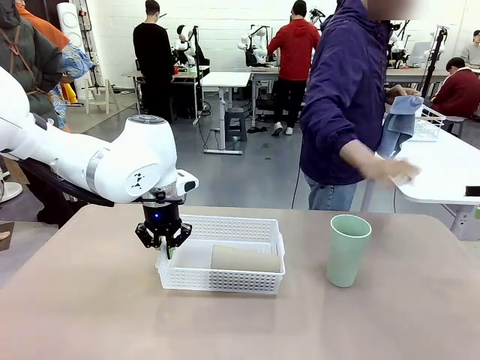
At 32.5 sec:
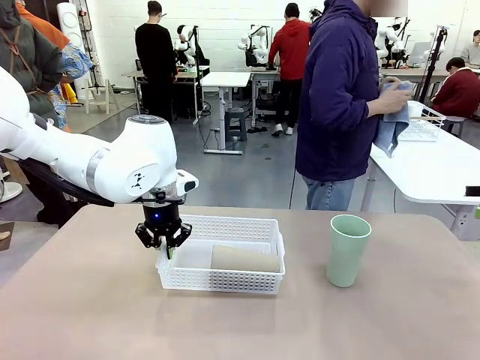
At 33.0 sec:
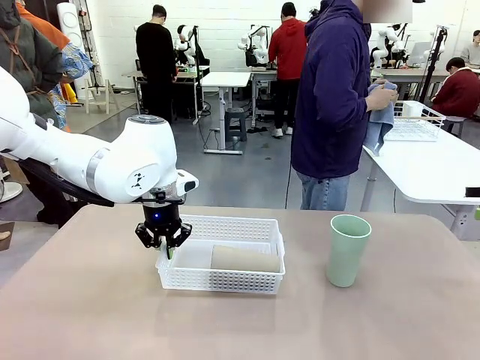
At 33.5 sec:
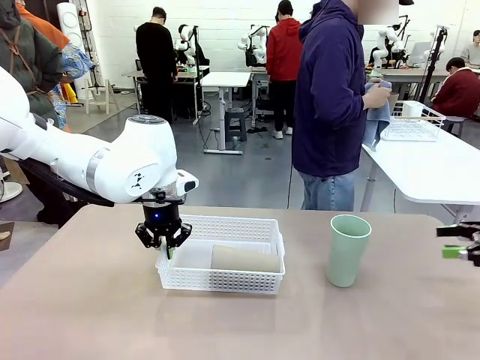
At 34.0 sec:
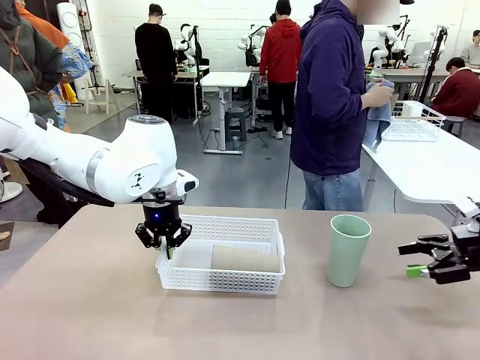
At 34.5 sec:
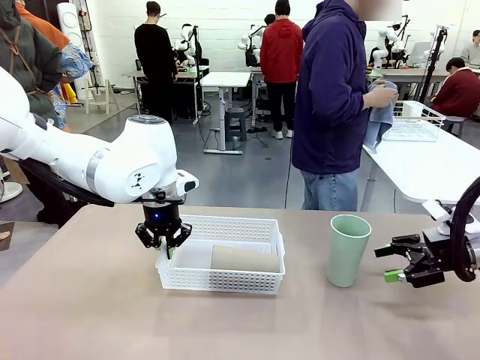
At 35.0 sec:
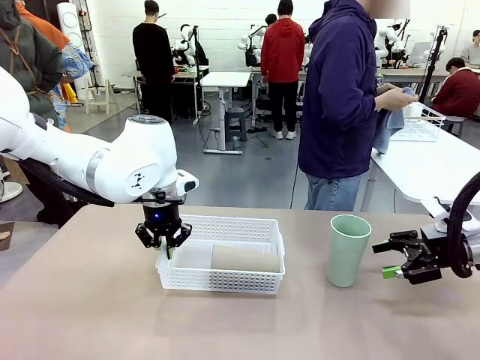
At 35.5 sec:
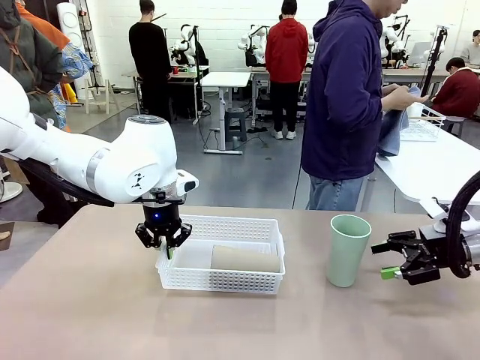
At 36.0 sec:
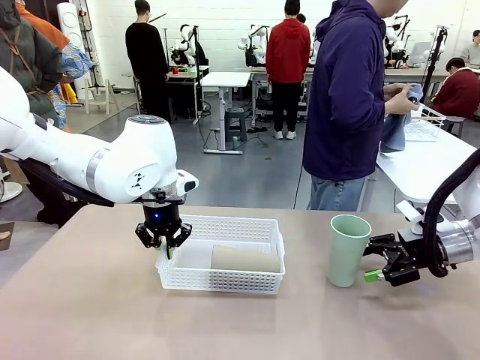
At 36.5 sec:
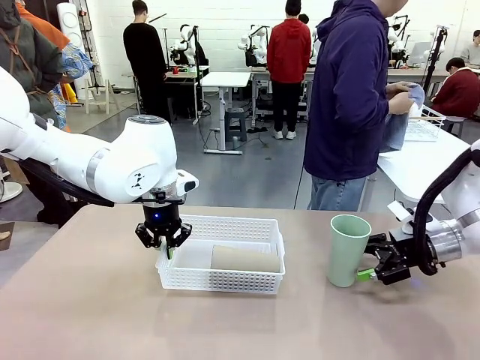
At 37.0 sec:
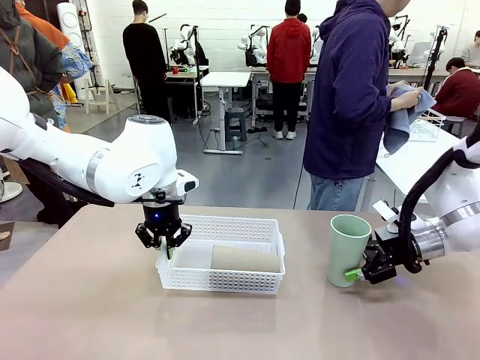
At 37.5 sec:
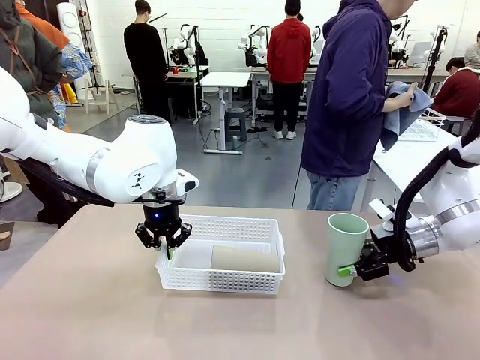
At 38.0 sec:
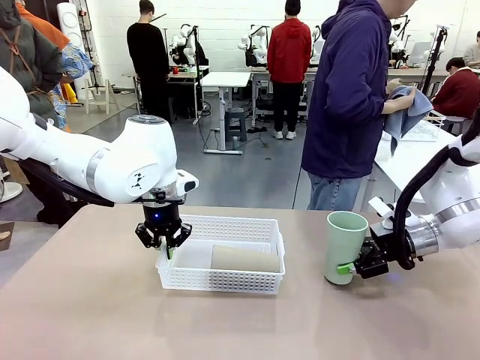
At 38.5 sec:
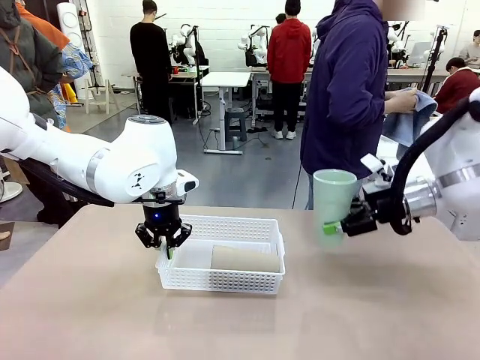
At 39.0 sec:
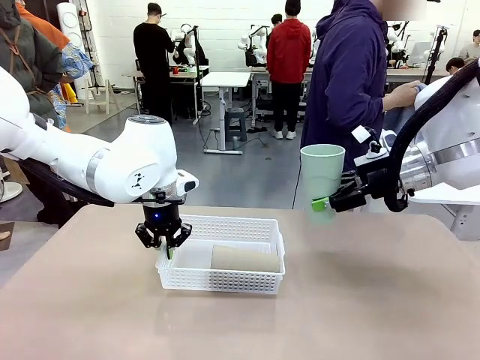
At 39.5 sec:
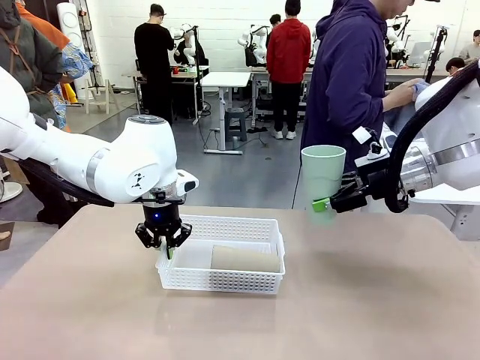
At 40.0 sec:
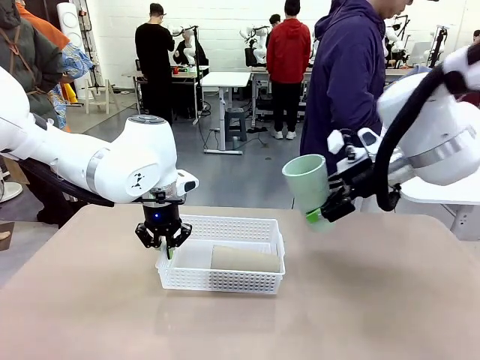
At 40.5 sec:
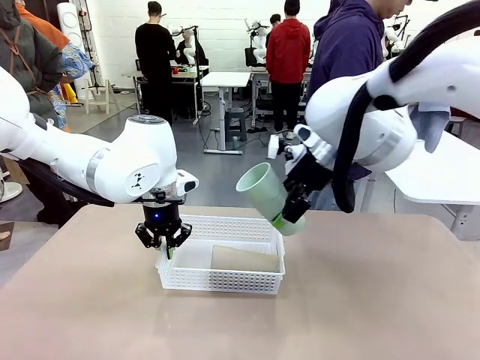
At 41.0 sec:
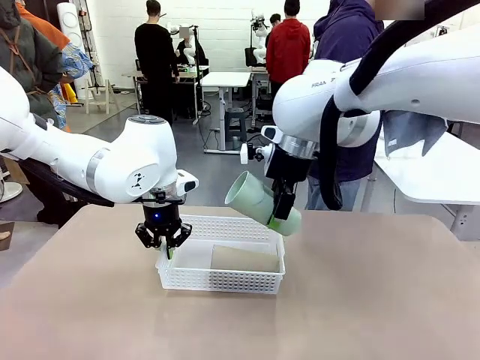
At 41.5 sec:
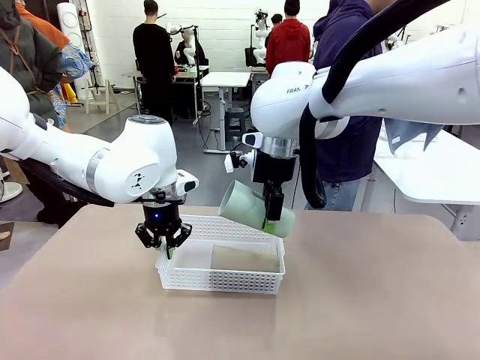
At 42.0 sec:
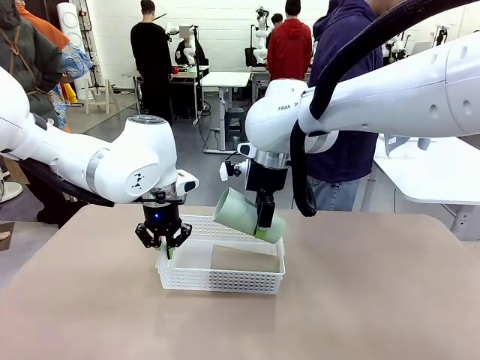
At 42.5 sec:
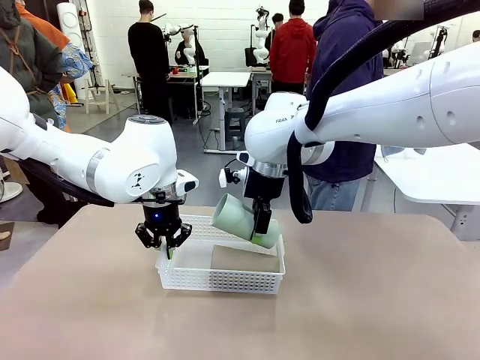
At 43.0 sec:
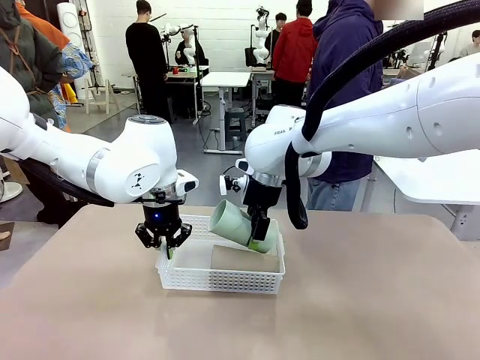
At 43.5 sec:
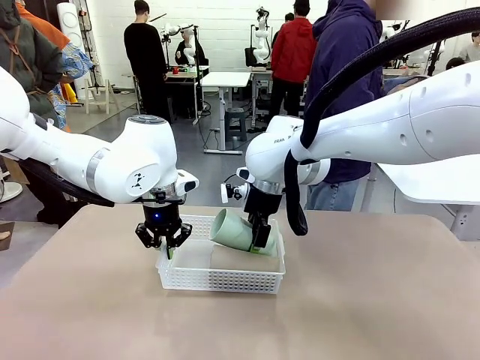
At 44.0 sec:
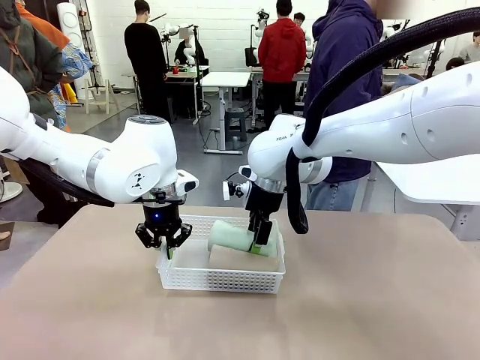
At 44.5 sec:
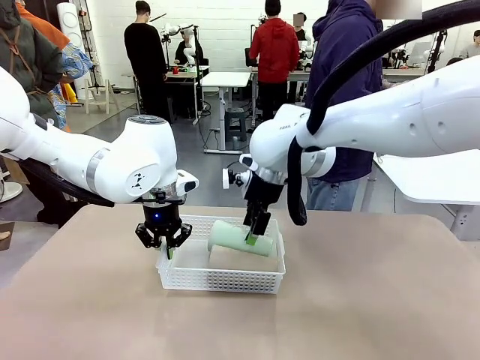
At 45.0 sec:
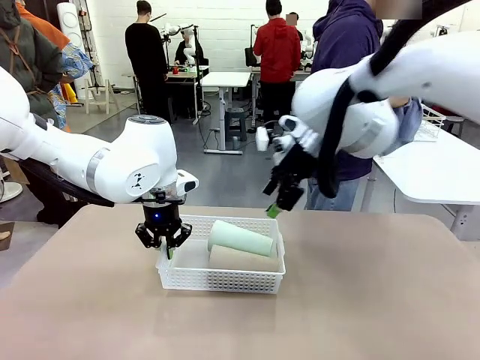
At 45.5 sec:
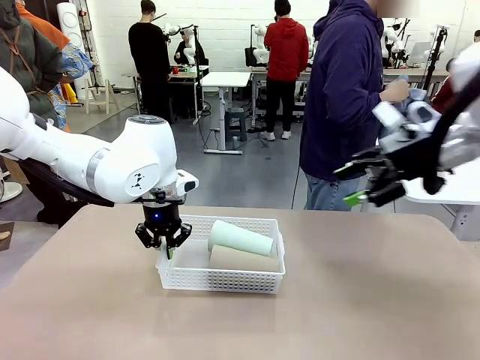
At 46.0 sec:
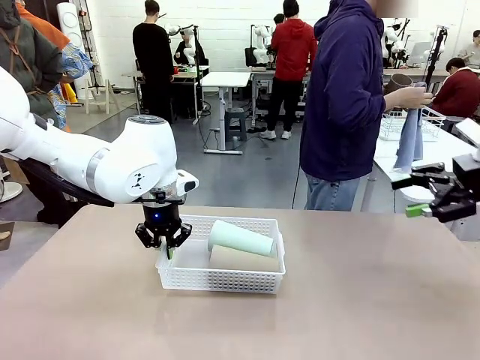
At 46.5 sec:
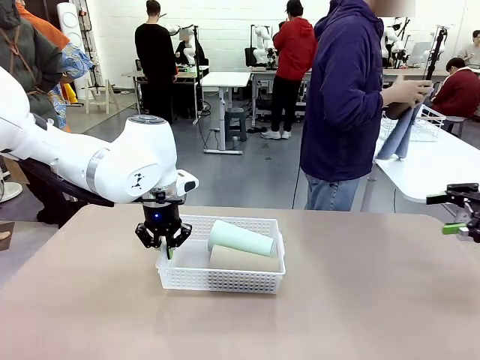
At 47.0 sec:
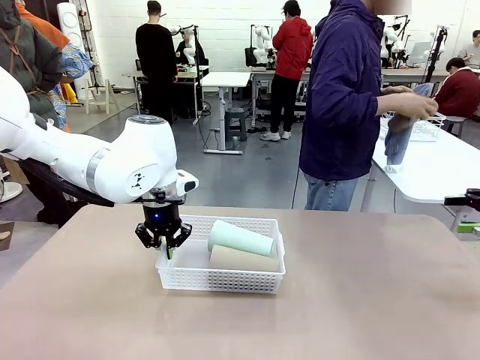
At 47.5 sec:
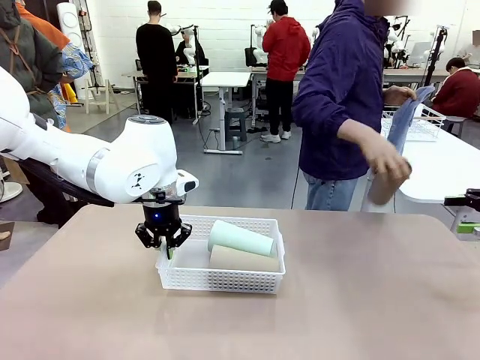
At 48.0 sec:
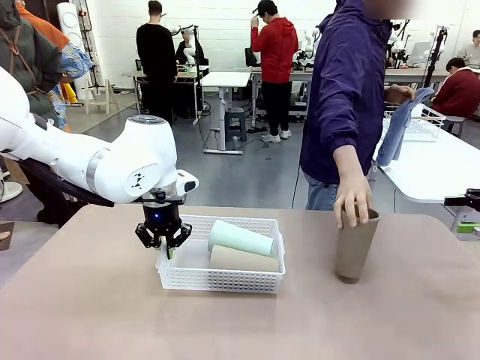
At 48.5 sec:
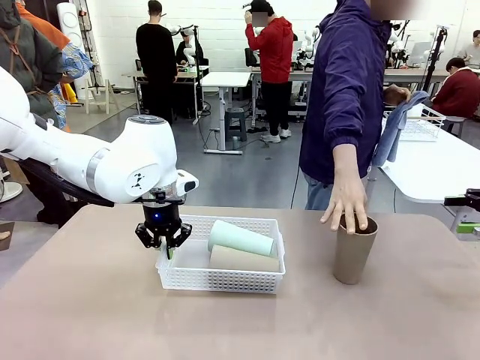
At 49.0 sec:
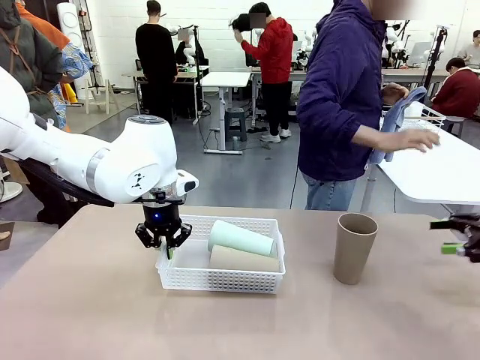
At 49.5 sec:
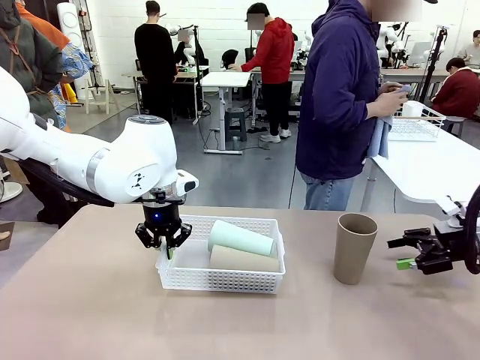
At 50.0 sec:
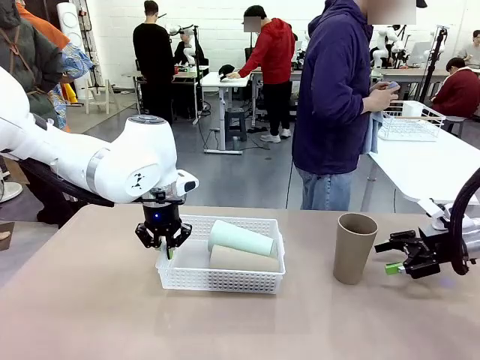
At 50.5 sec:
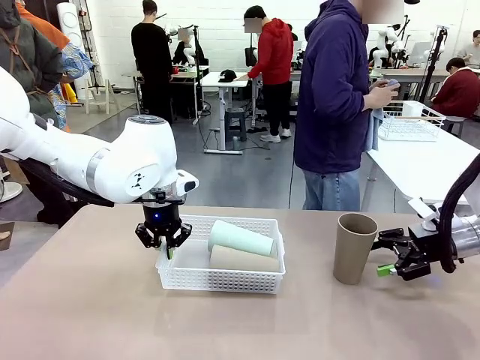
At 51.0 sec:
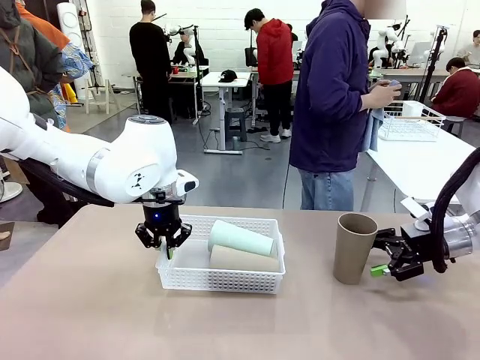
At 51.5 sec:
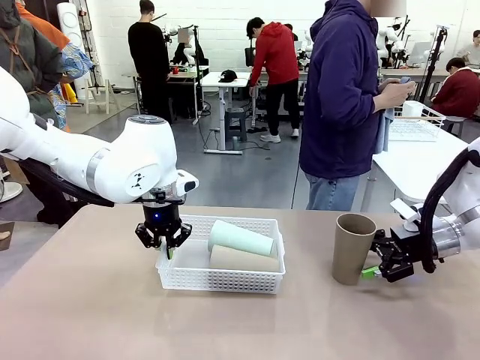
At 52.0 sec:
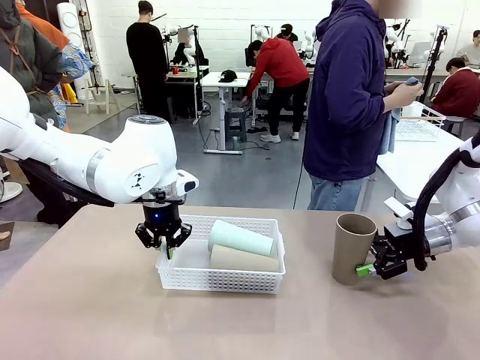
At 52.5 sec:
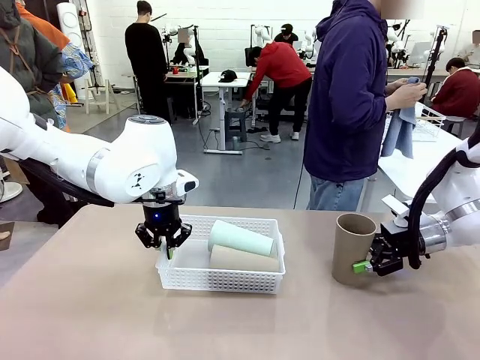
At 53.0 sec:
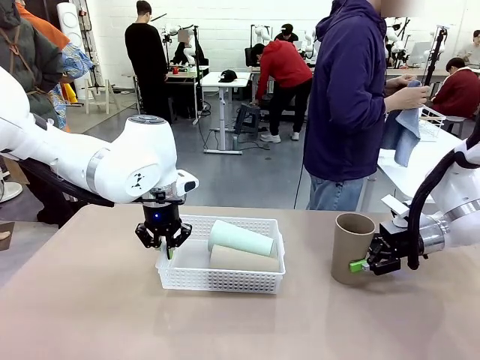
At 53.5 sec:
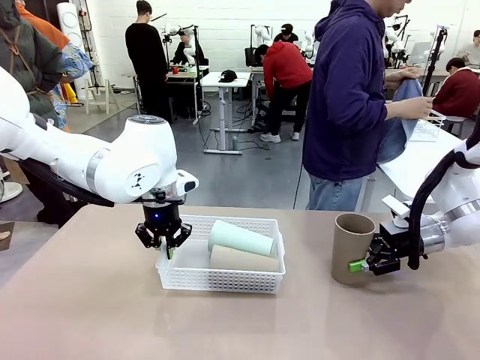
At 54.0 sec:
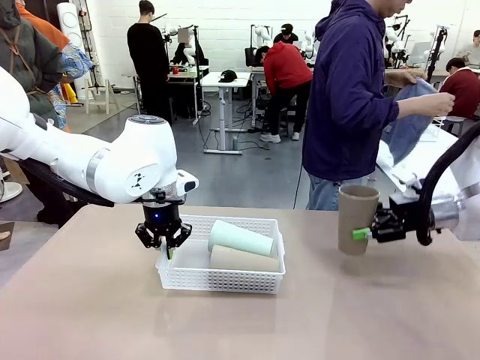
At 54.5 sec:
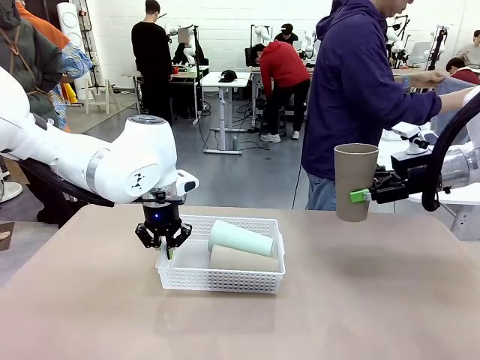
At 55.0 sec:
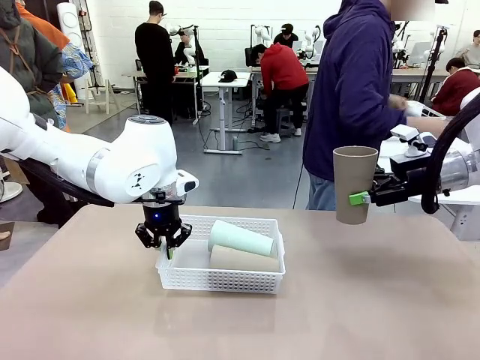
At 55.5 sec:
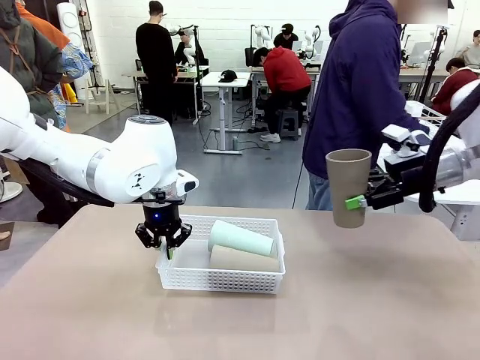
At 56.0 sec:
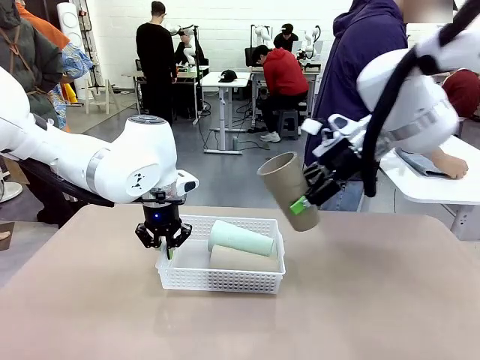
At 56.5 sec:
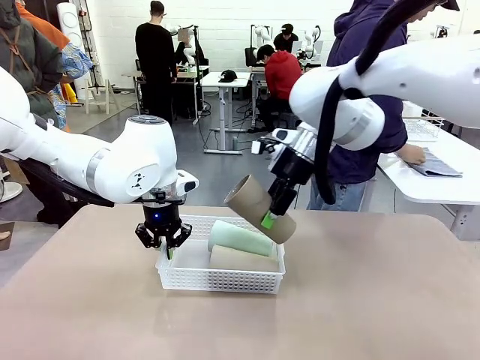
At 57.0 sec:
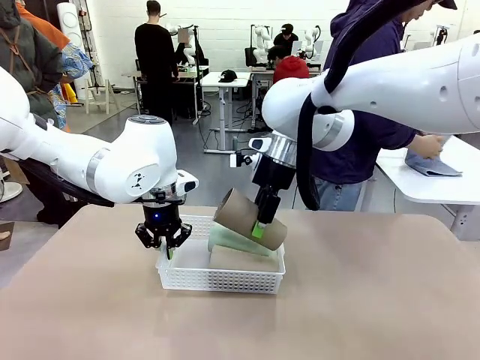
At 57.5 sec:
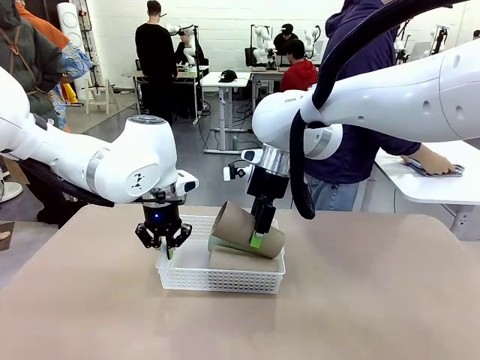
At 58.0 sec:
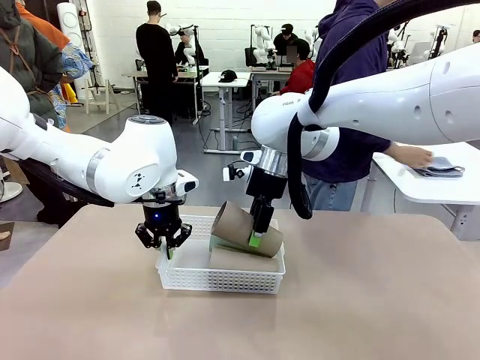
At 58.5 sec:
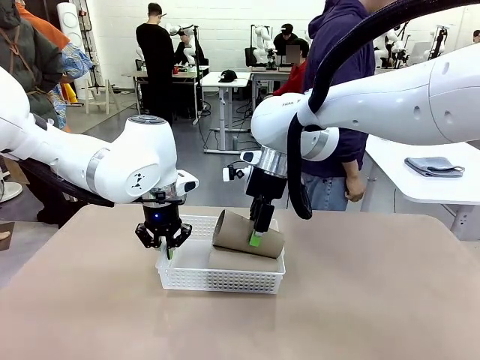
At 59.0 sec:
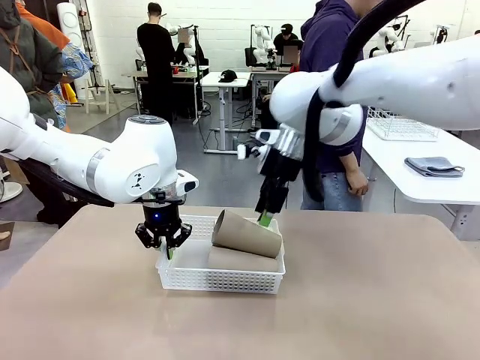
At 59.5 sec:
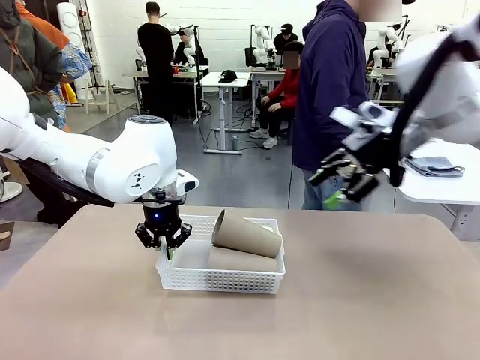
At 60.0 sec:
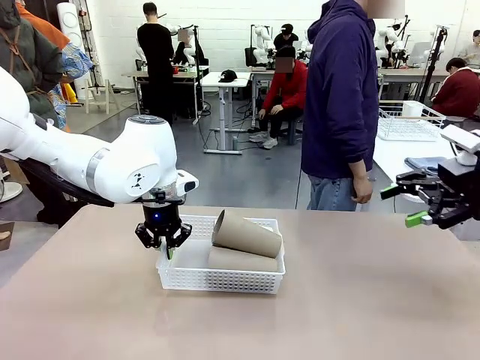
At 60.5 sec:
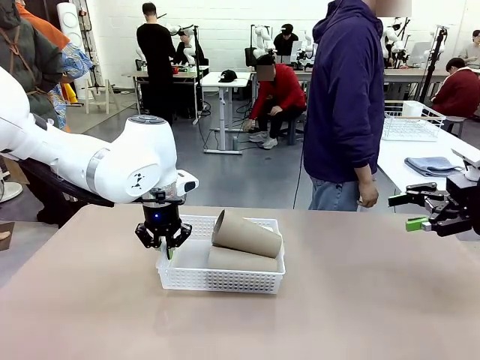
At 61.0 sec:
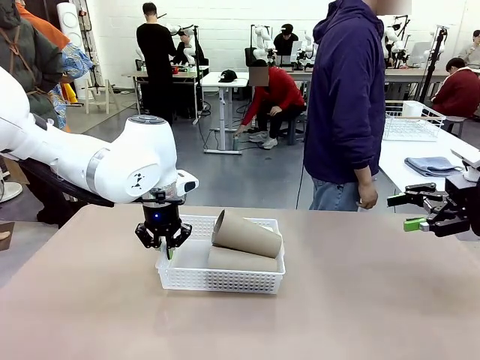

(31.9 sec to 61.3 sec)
Task: Clean and organize the cups into the basket.
Robot: Pick up the Reusable plastic cup from the right side of the table and stack it inside the Organizing basket in the center of the table.
